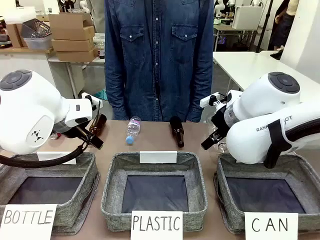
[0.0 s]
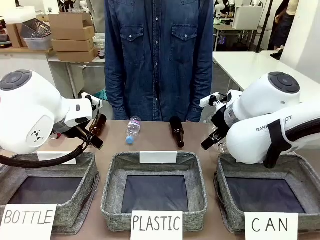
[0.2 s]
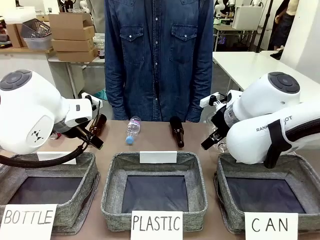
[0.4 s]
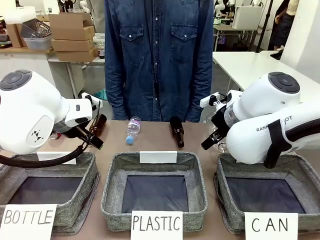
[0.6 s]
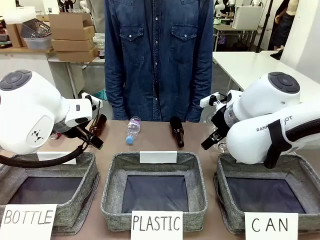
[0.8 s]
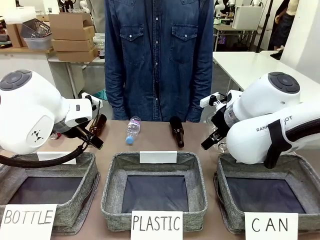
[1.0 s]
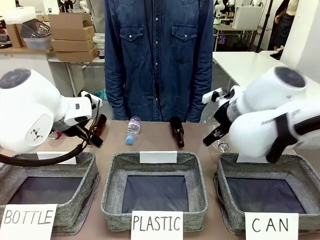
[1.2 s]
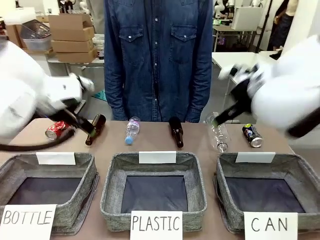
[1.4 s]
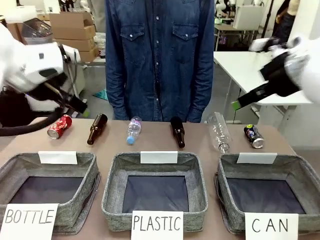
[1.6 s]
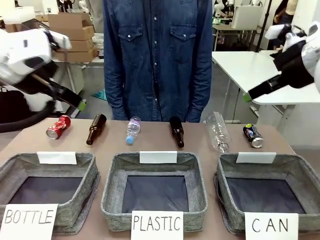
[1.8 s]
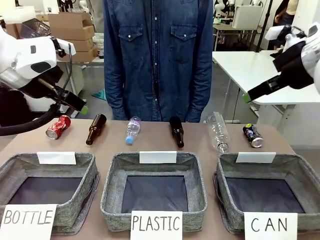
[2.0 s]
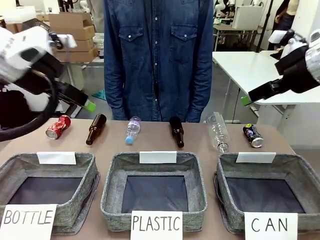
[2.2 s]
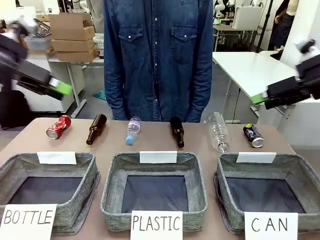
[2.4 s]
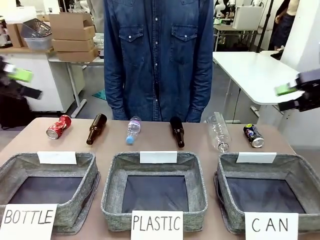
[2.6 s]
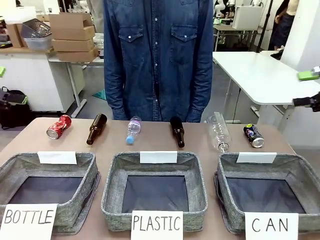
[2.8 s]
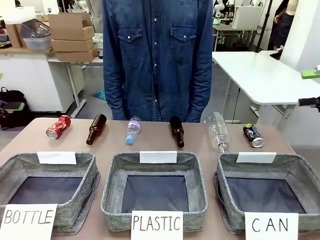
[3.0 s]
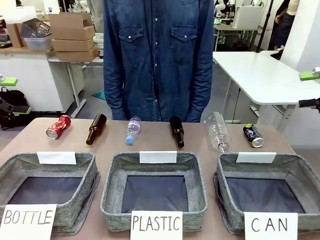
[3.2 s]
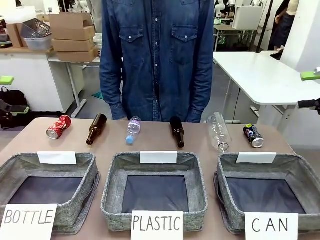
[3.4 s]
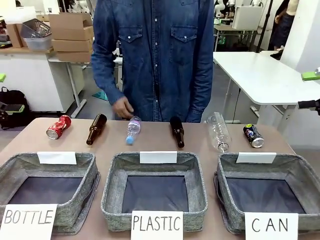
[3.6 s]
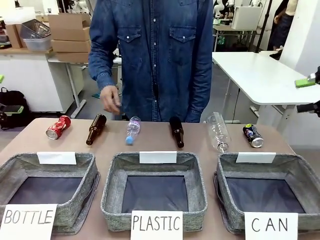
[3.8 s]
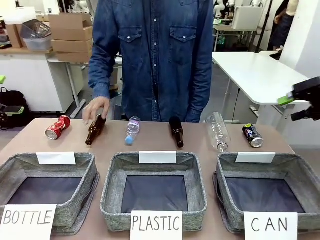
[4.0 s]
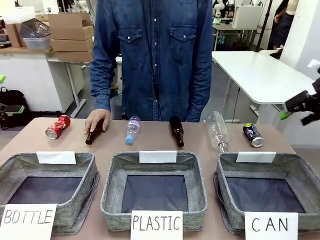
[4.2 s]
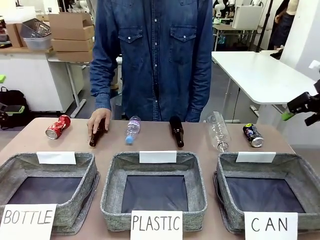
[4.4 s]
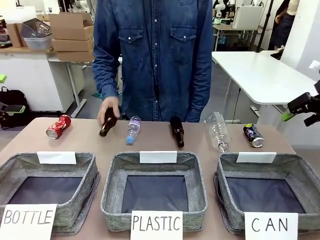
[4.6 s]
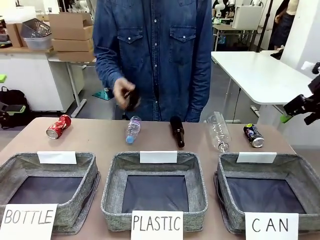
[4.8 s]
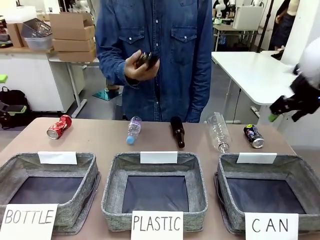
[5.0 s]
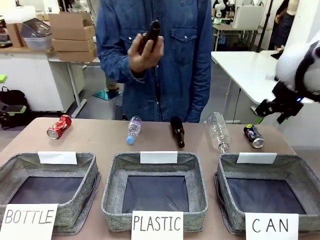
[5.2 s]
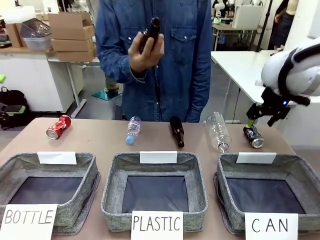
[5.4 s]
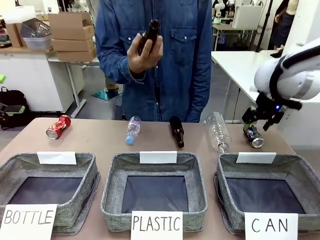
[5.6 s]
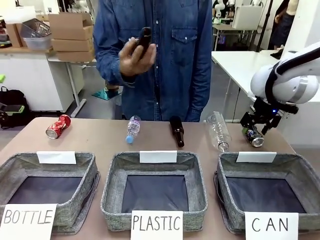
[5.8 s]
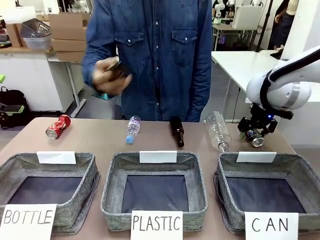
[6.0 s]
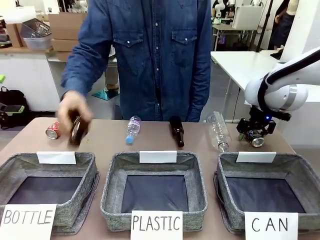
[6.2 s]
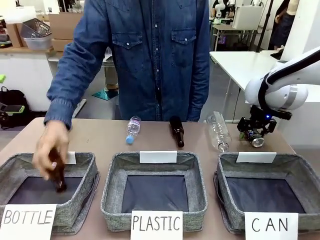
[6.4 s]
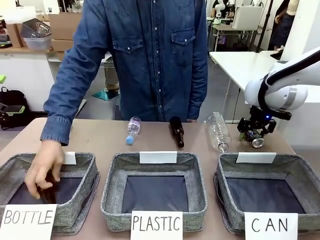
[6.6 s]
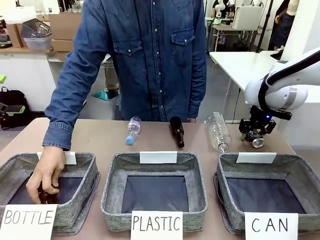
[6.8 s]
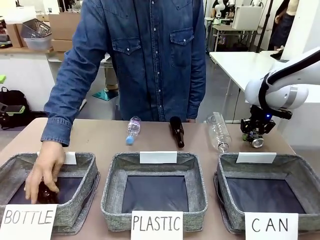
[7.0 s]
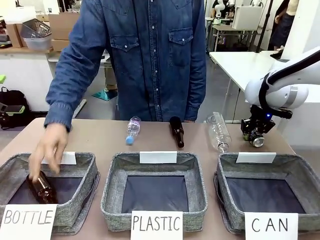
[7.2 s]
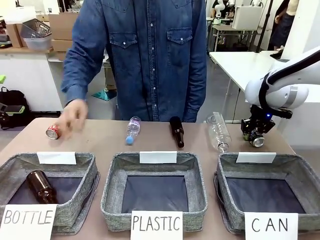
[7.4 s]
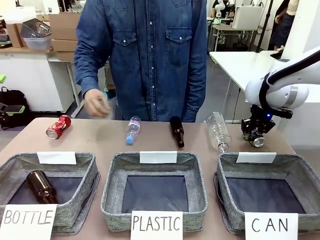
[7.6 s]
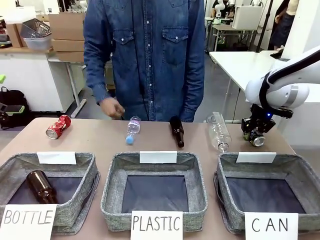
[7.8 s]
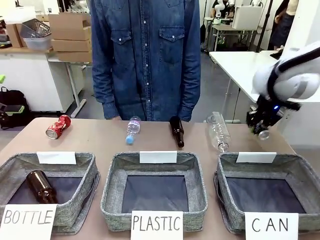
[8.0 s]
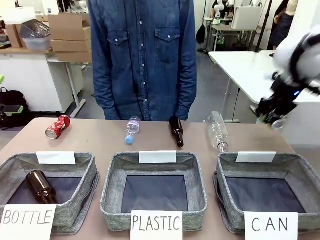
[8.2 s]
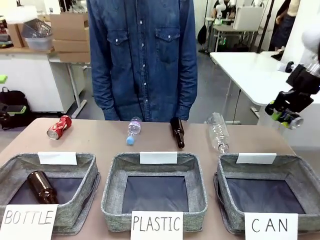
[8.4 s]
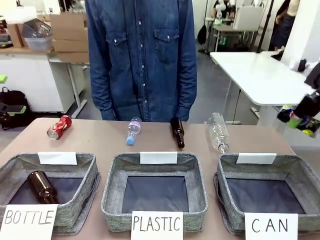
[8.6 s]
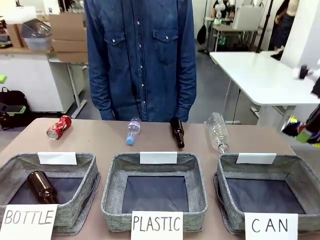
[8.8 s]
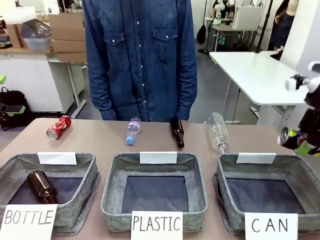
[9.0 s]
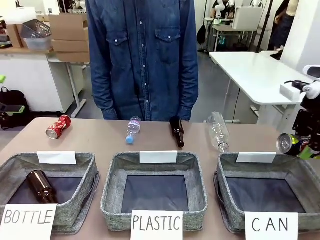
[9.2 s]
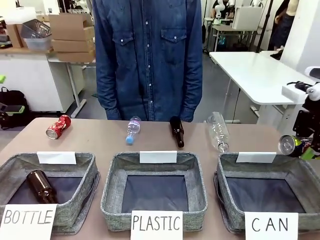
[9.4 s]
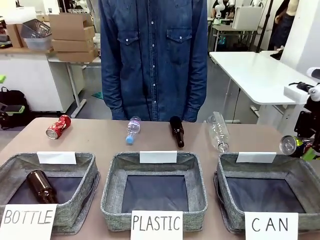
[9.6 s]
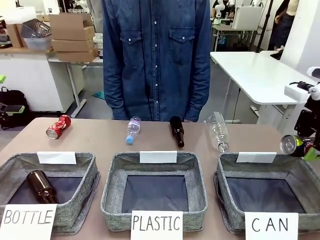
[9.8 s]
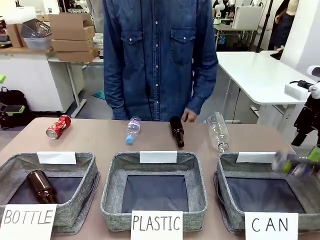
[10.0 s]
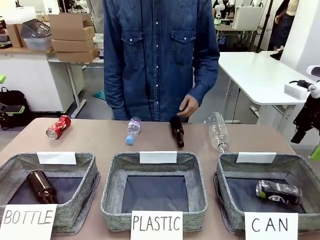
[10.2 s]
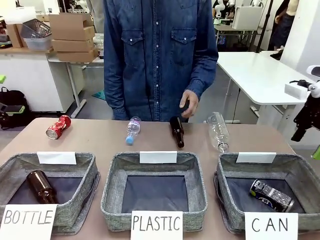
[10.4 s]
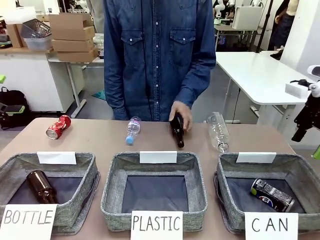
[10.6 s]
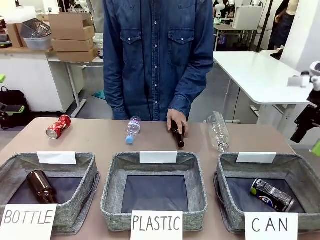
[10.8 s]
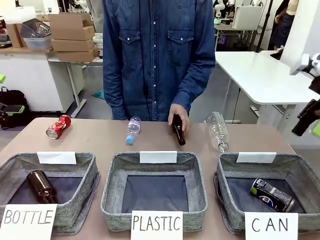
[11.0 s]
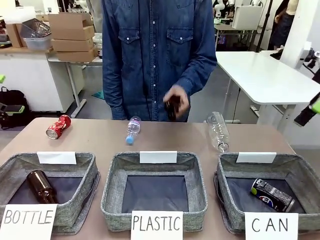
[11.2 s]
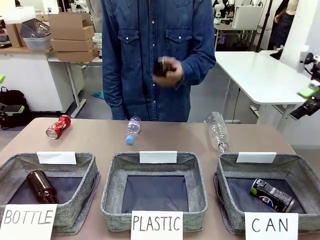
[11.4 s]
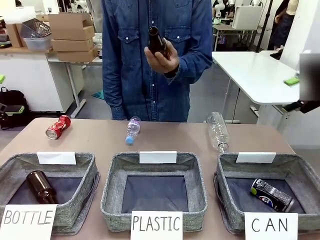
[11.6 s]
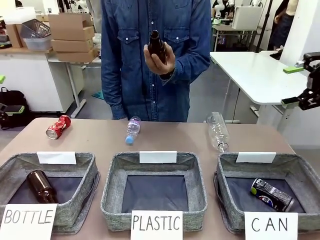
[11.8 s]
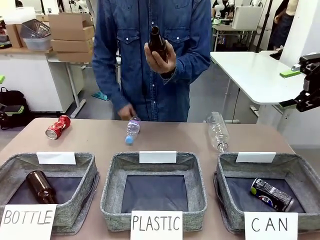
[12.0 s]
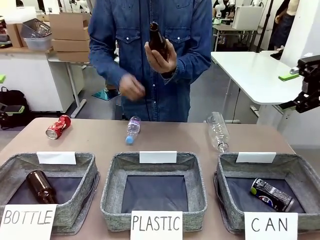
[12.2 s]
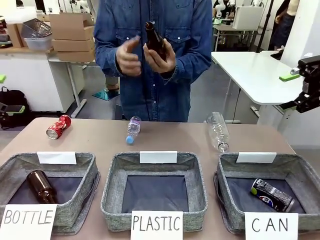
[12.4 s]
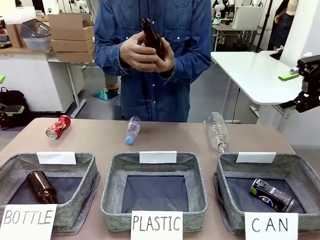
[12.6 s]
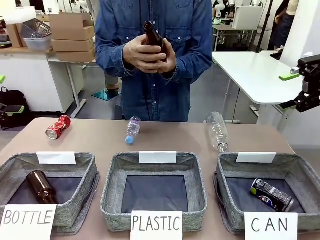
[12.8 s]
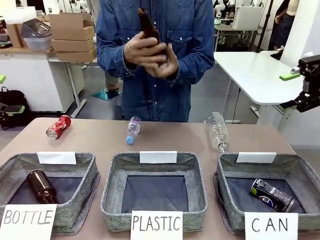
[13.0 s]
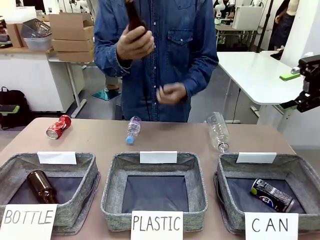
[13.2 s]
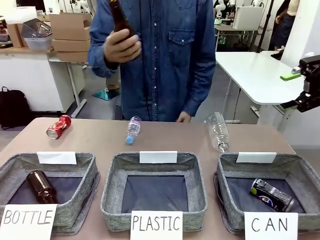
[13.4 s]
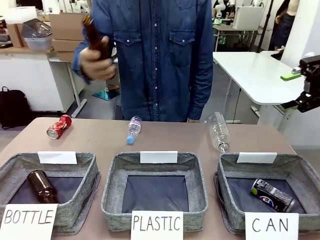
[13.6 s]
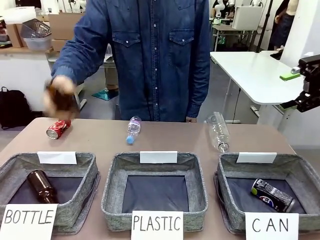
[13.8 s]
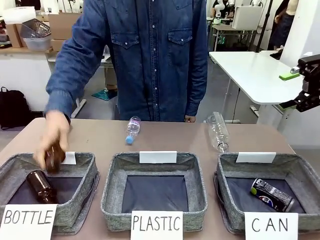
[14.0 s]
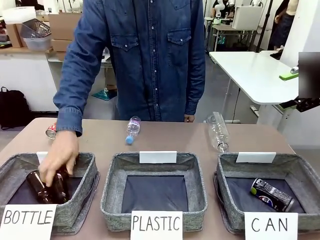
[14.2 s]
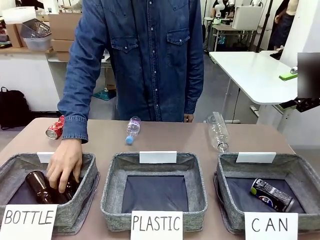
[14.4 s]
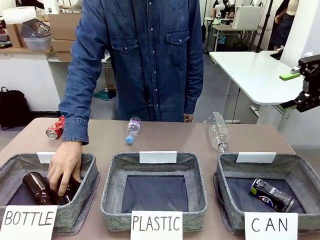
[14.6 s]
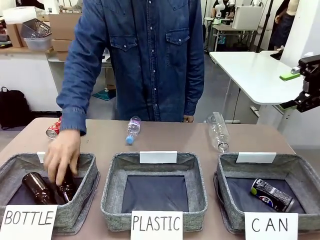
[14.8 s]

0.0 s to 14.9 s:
Task: Sort the can waste into the basket.
Robot: Pick up the can waste from the table and place it in the right Fabric basket.
